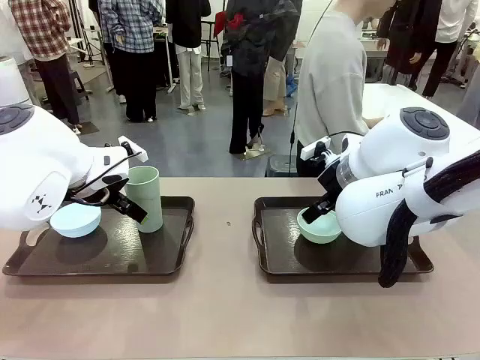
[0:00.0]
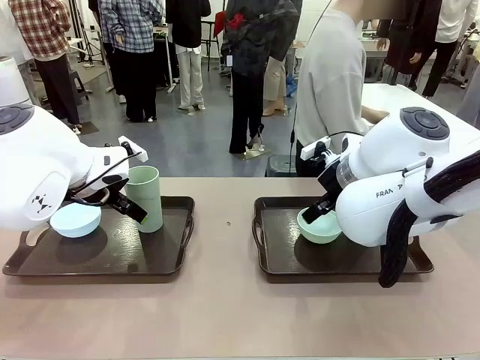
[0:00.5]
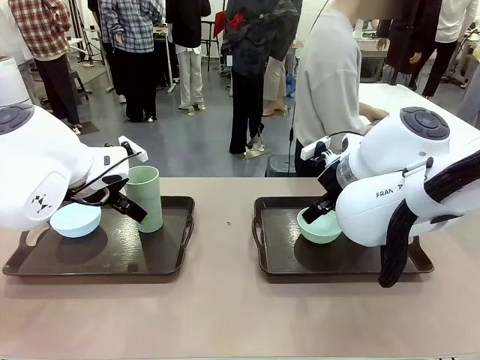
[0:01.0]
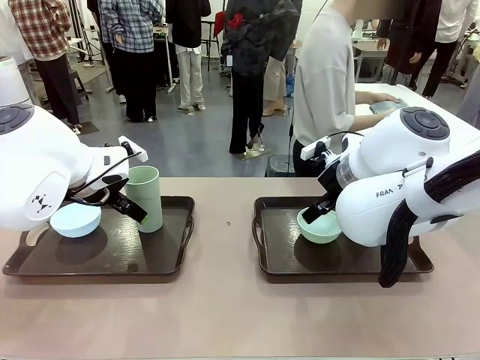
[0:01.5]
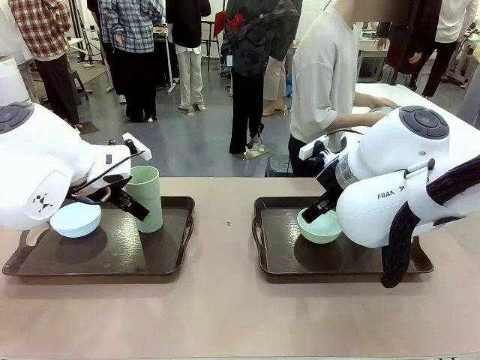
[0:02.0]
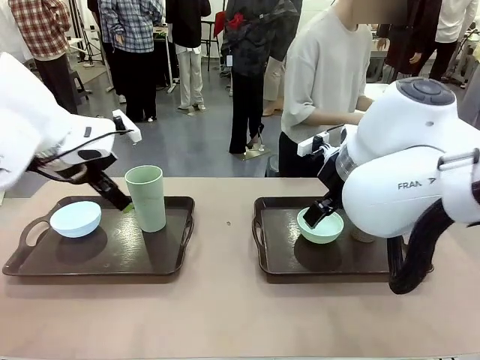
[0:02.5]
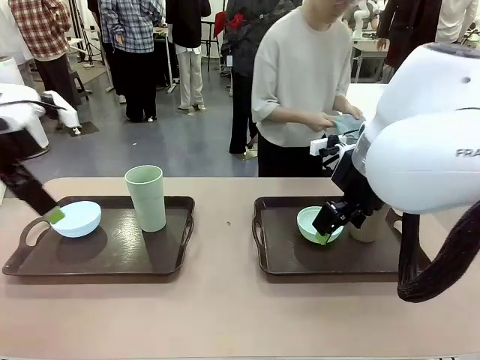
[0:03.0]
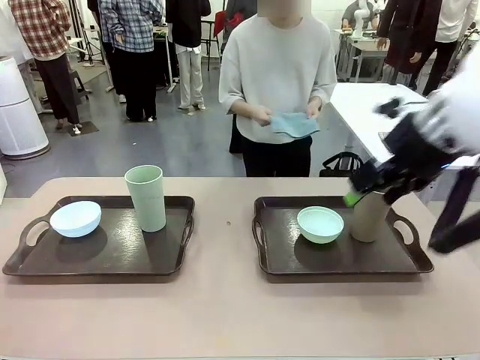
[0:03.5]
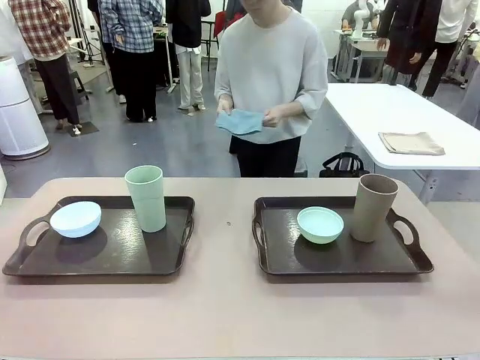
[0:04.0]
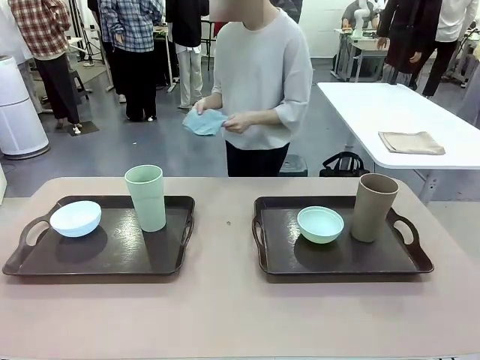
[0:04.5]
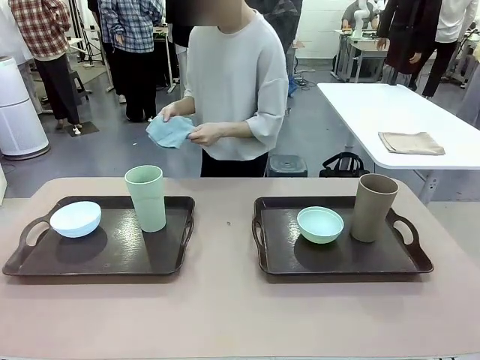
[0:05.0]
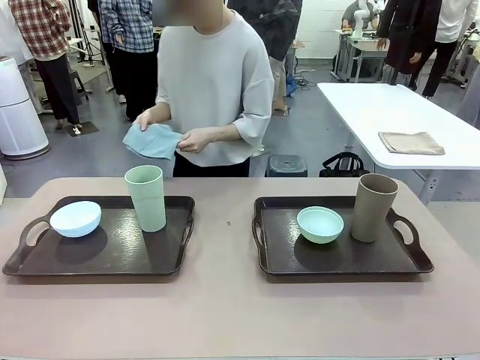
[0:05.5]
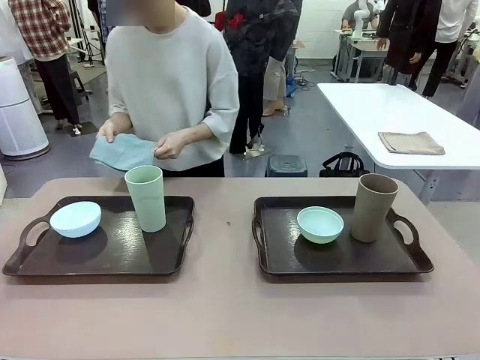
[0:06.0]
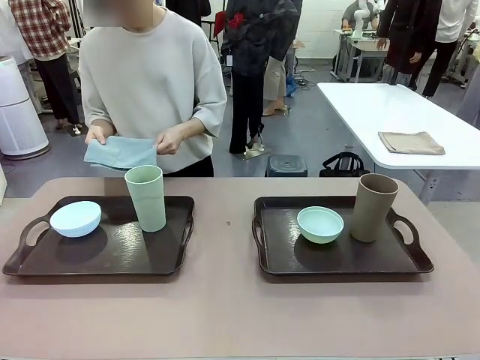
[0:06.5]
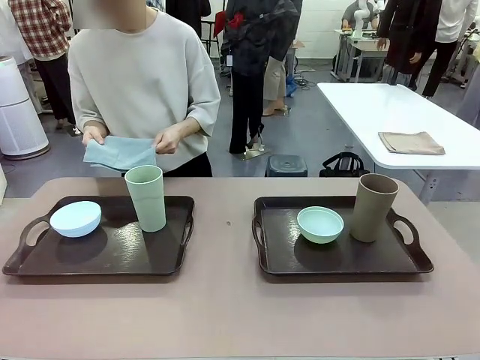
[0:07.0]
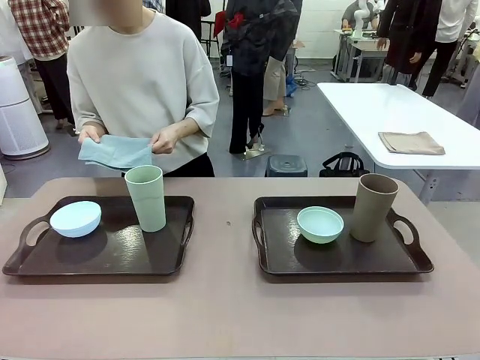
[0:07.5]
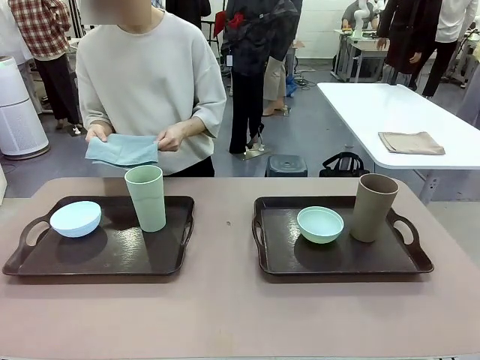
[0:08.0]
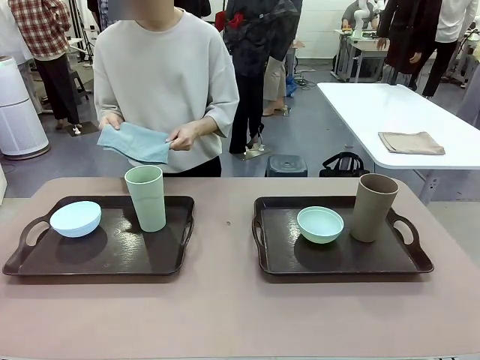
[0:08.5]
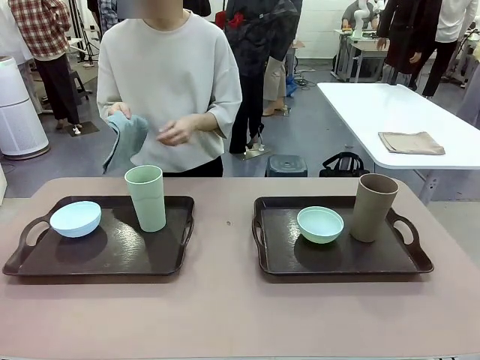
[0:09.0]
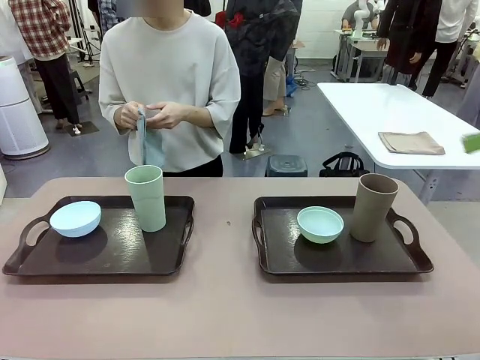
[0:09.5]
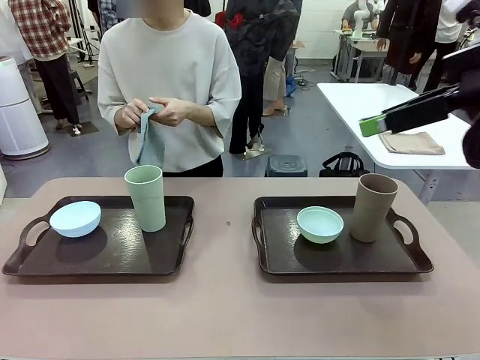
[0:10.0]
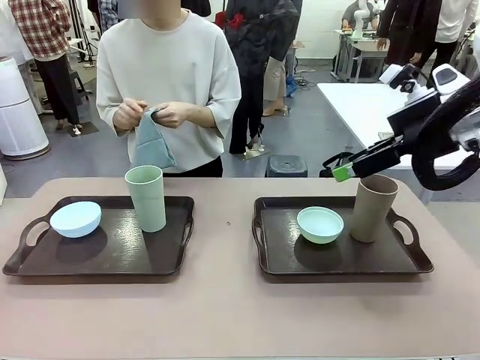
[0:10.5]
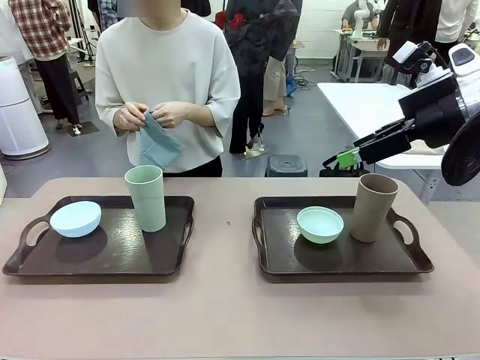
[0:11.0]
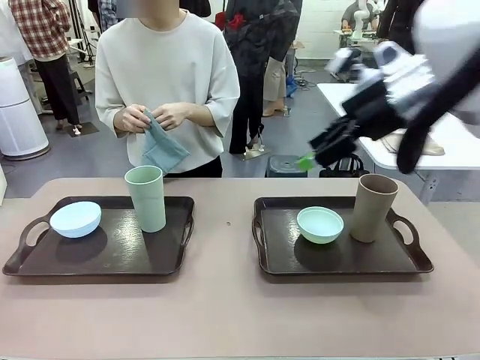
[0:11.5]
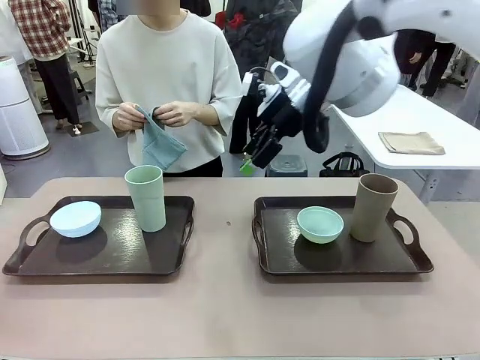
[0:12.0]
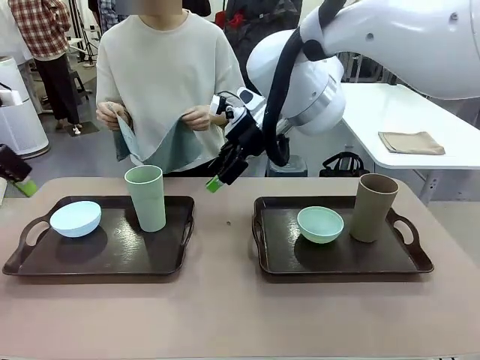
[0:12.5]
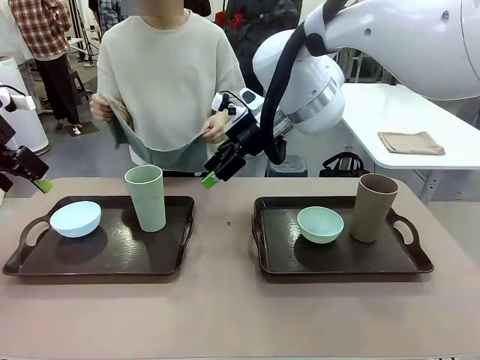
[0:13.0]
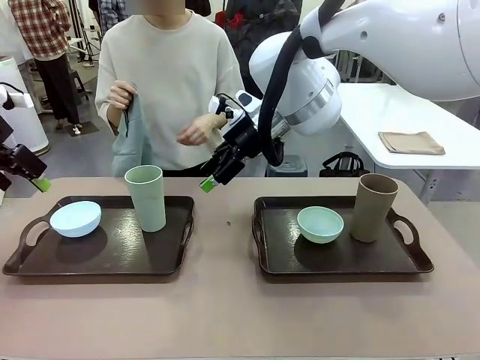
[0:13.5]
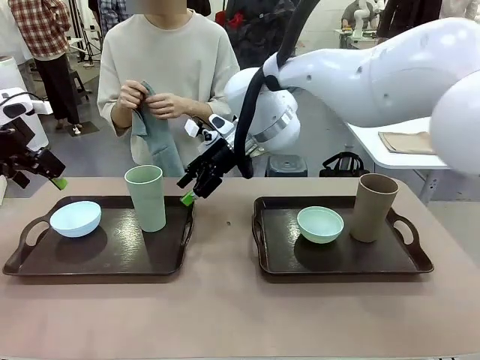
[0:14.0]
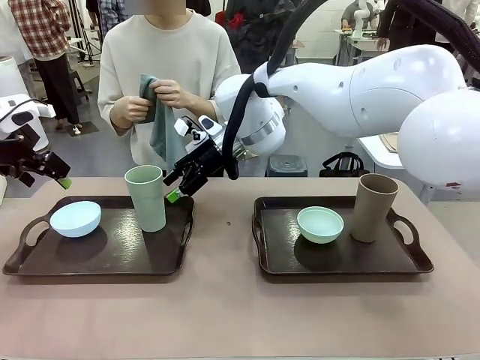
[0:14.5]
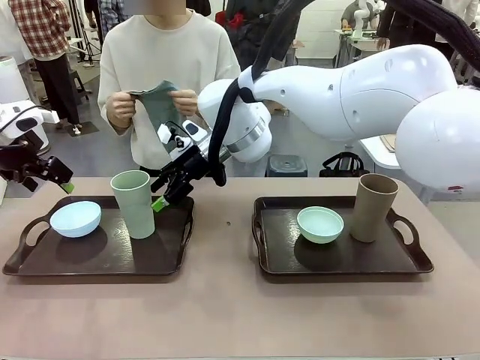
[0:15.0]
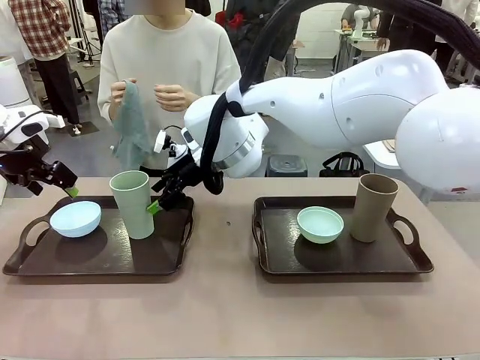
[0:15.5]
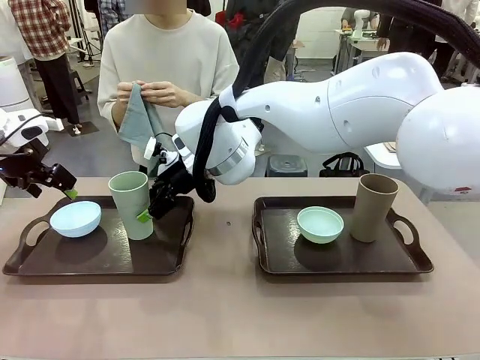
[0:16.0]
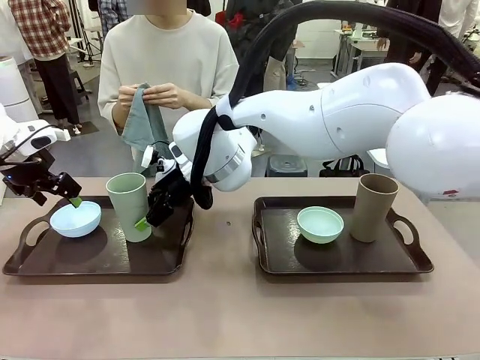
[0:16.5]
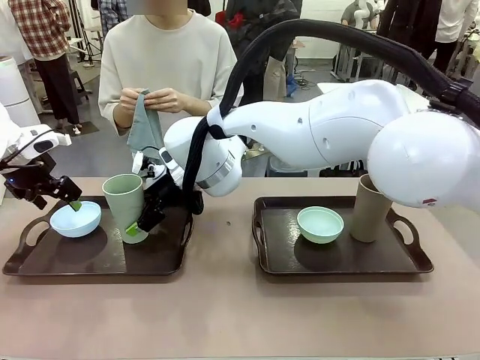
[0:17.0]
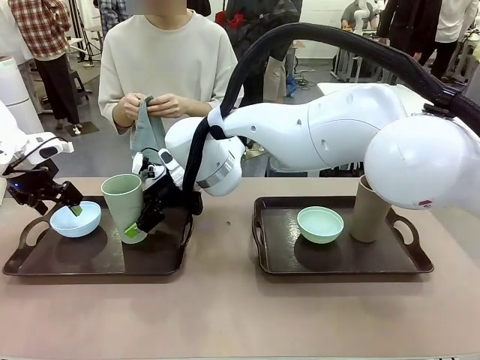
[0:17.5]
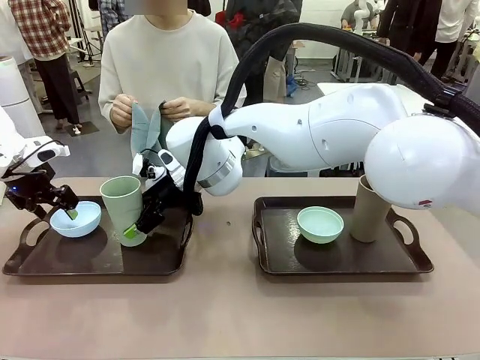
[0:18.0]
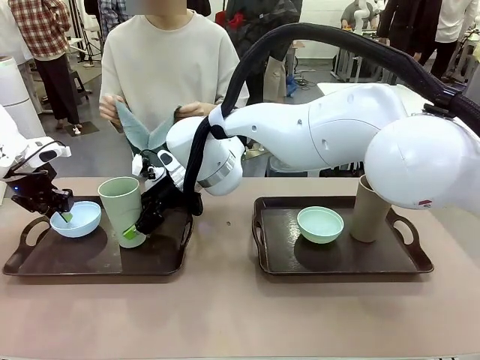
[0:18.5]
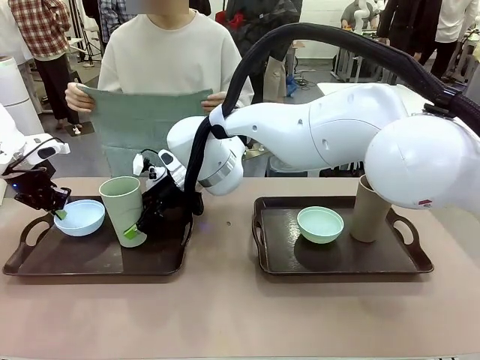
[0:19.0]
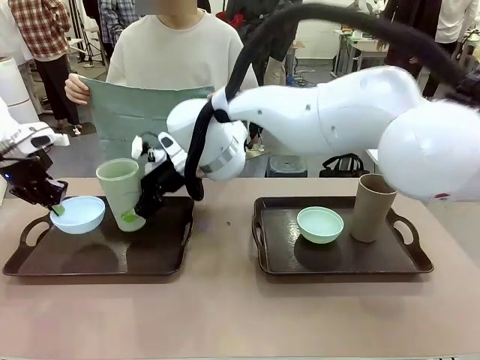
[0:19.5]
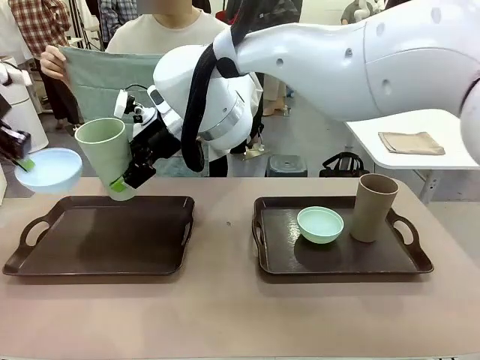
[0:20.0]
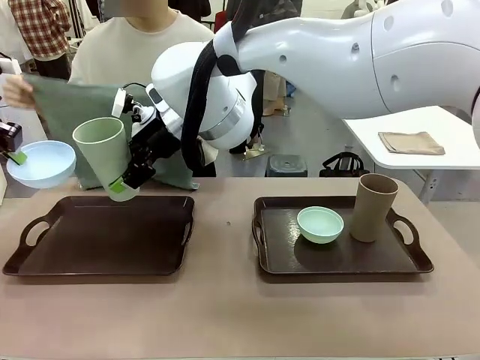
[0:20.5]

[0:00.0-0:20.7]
Robot: Pick up the Picnic Bowl and Reusable plastic cup from the Handle tray in front of the human's position and hold them in the air.
Person: The human picks up the top napkin from the stack on the human table and walks to the robot table to stand in front of one of the two trays. When the robot lifts the bowl and the cup, the human unfolds the napkin and lays the napkin flat on the tray.

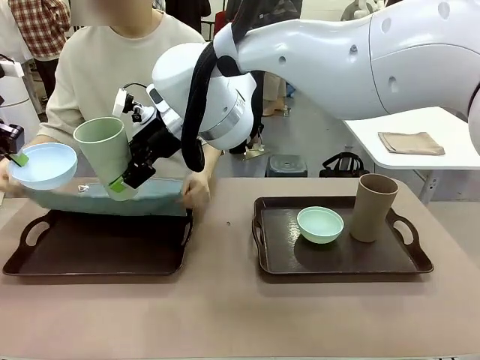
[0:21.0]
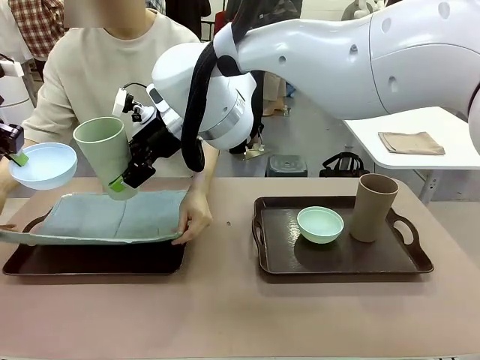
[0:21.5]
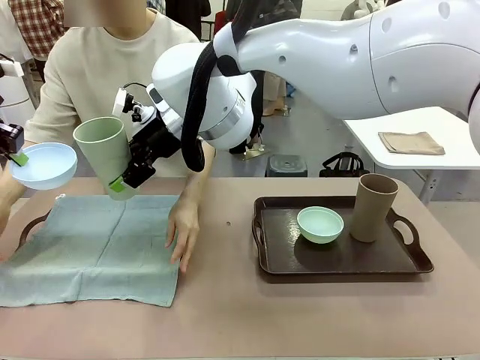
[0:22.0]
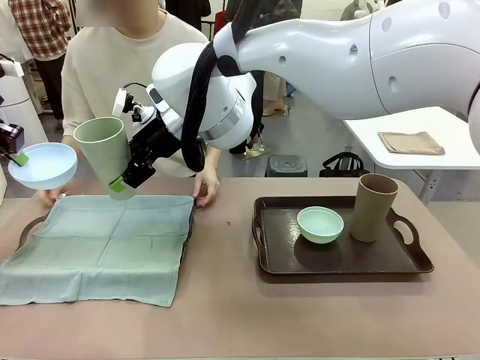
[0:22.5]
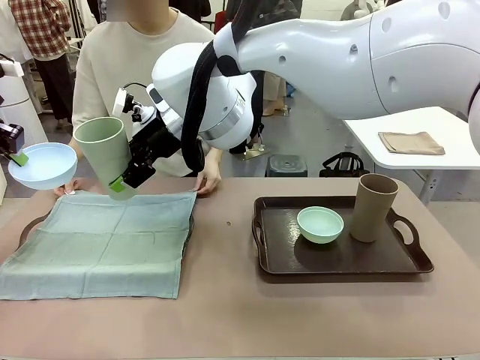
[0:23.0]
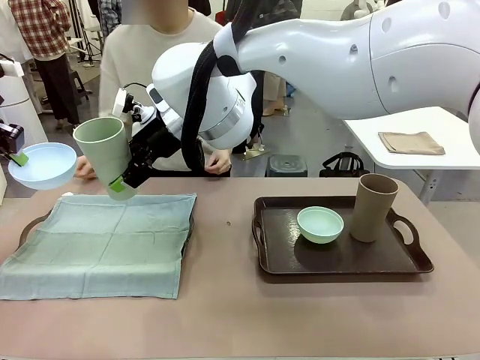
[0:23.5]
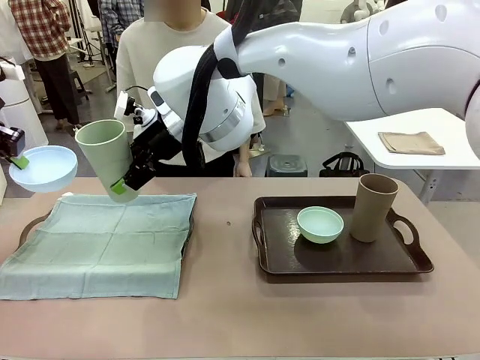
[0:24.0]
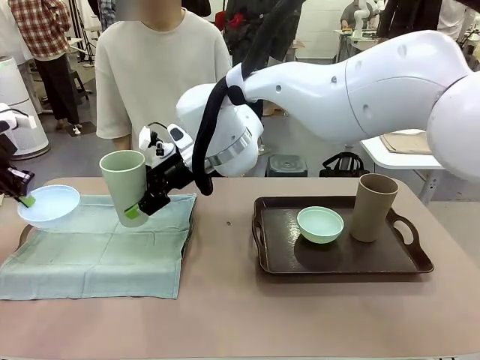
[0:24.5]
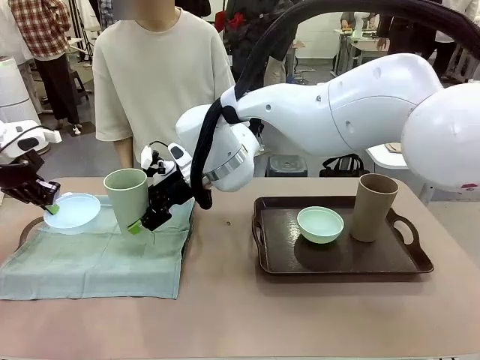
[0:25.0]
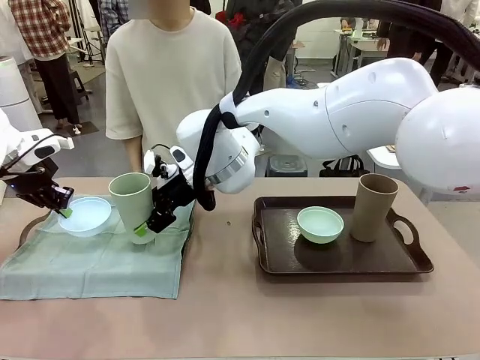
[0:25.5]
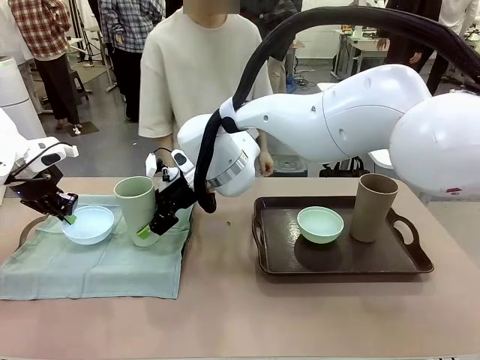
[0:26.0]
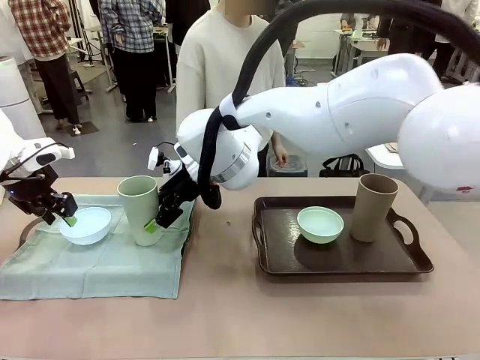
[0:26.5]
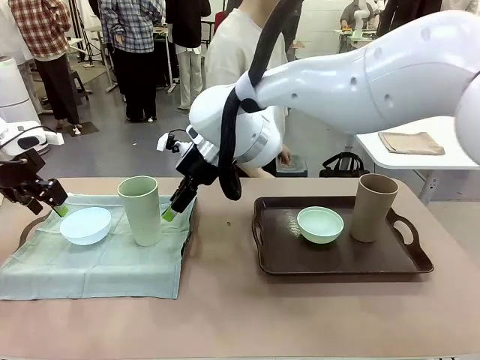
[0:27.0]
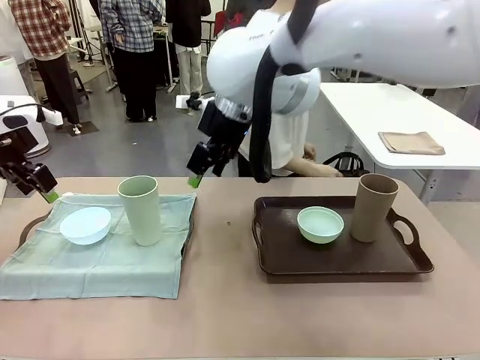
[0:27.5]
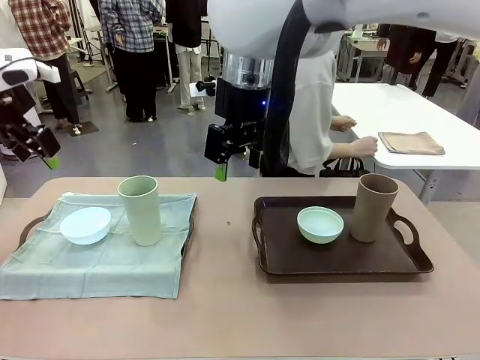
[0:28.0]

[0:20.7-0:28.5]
Robot: Place the Picnic Bowl and Reusable plastic cup back onto the Handle tray in front of the human's position.
